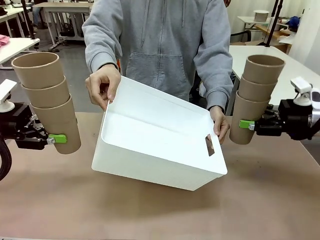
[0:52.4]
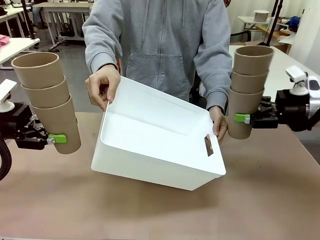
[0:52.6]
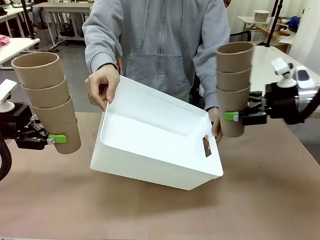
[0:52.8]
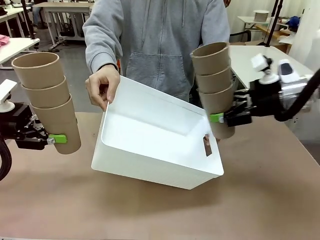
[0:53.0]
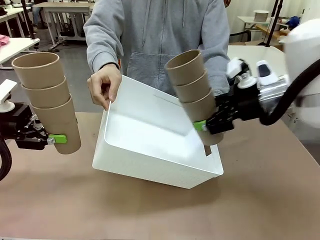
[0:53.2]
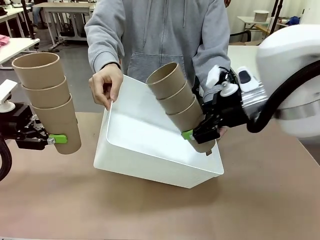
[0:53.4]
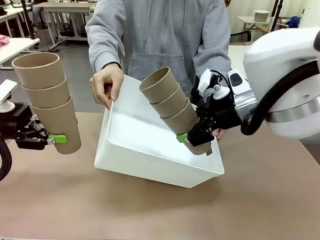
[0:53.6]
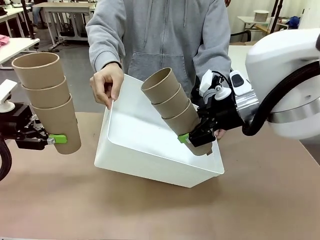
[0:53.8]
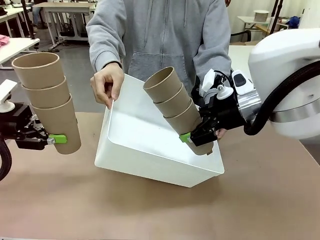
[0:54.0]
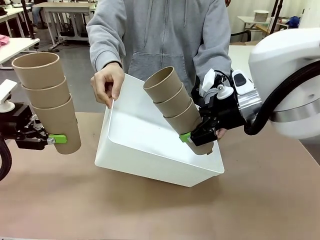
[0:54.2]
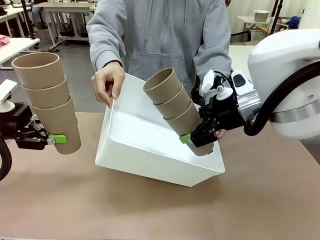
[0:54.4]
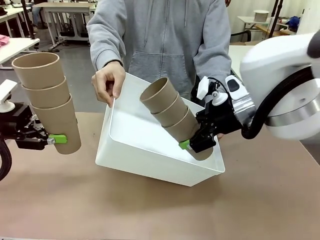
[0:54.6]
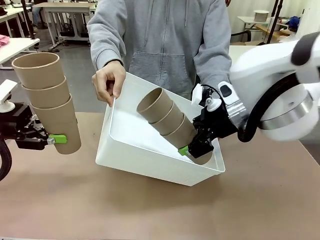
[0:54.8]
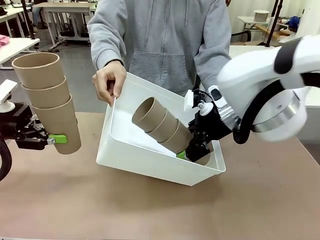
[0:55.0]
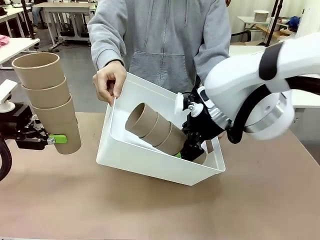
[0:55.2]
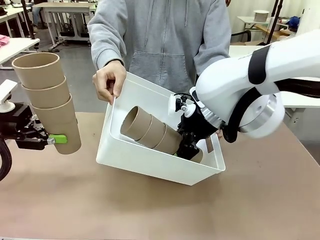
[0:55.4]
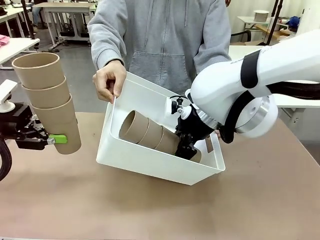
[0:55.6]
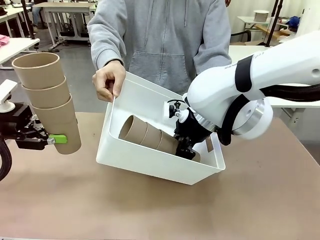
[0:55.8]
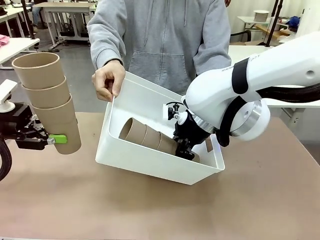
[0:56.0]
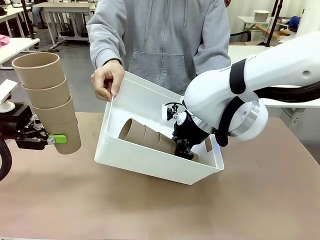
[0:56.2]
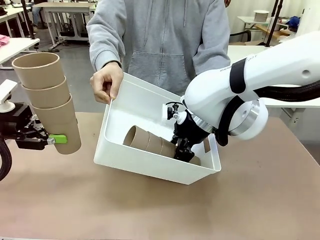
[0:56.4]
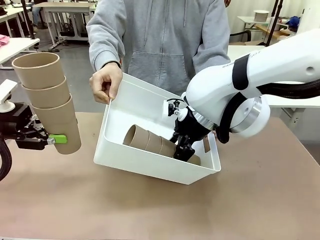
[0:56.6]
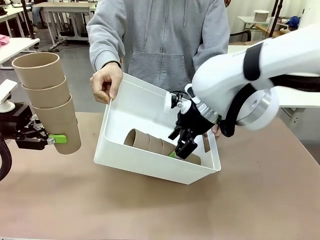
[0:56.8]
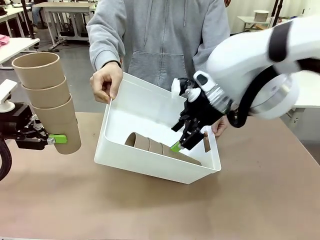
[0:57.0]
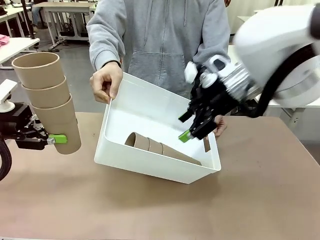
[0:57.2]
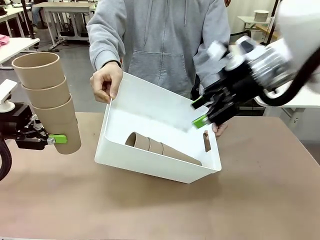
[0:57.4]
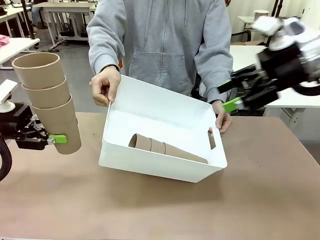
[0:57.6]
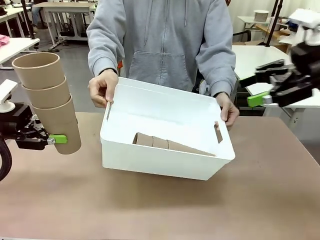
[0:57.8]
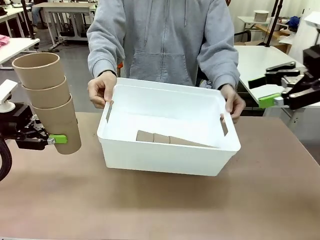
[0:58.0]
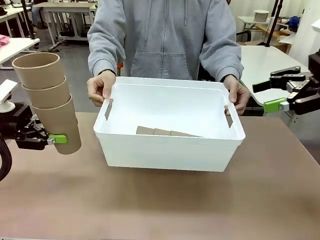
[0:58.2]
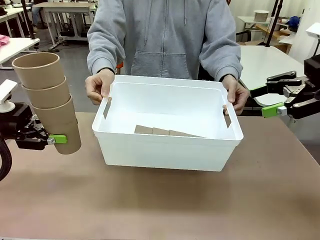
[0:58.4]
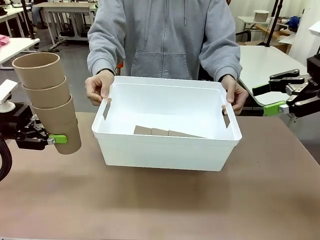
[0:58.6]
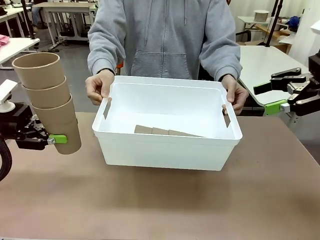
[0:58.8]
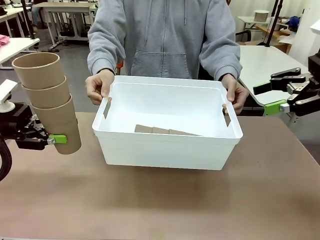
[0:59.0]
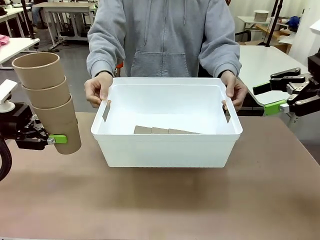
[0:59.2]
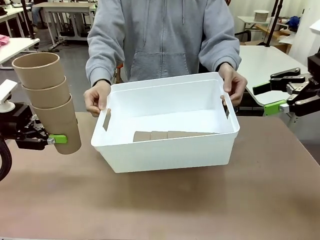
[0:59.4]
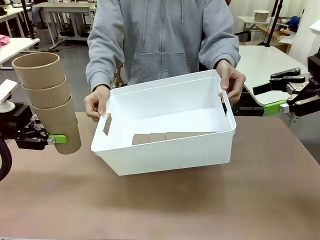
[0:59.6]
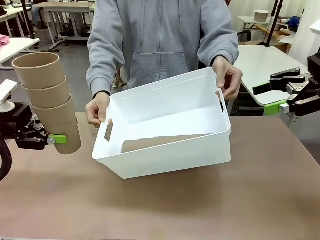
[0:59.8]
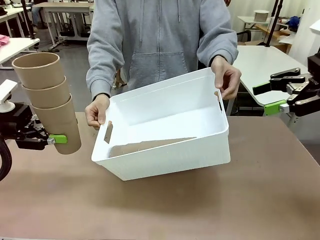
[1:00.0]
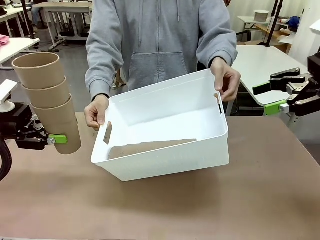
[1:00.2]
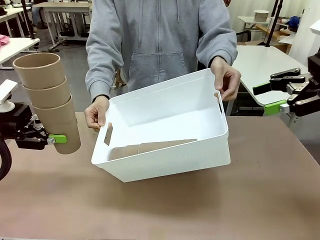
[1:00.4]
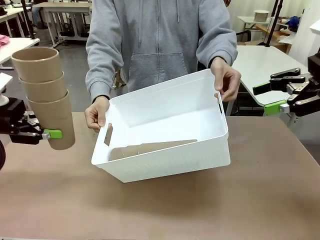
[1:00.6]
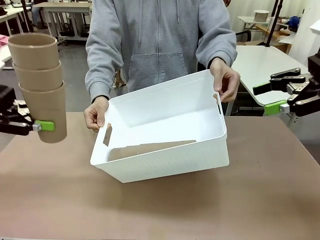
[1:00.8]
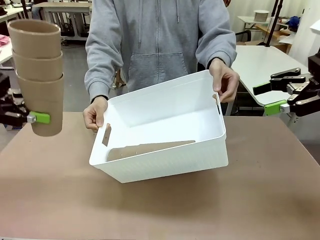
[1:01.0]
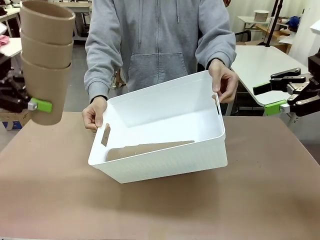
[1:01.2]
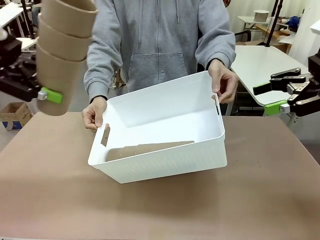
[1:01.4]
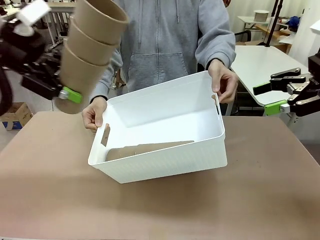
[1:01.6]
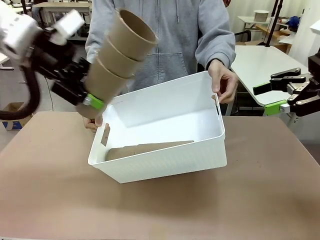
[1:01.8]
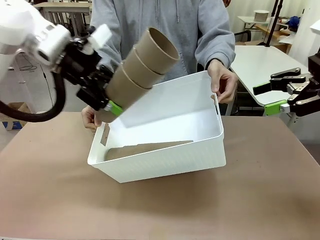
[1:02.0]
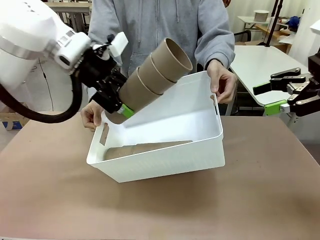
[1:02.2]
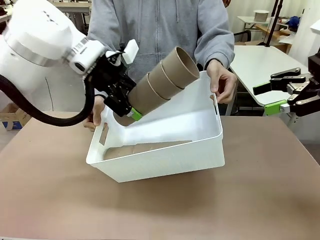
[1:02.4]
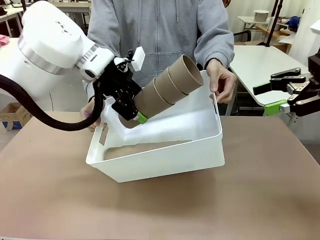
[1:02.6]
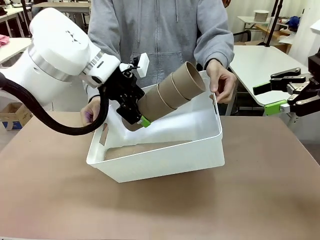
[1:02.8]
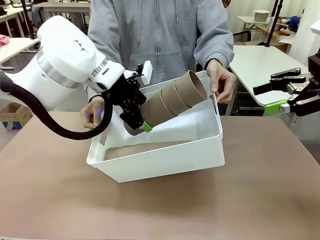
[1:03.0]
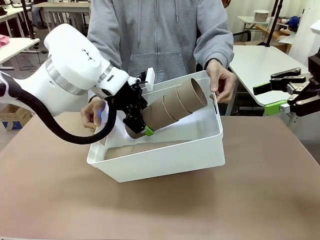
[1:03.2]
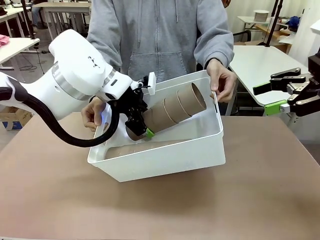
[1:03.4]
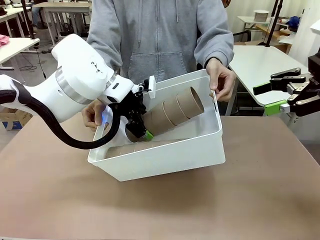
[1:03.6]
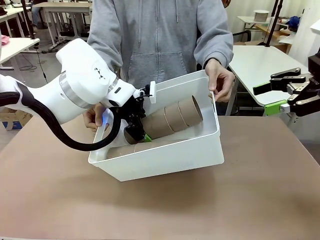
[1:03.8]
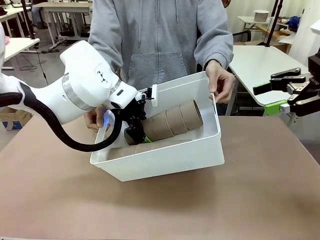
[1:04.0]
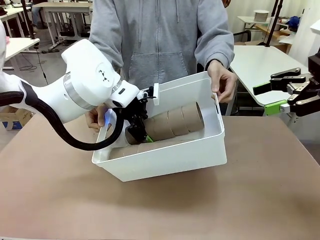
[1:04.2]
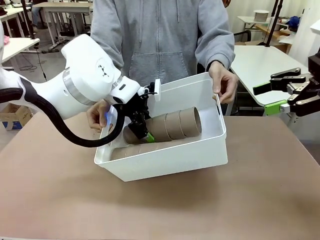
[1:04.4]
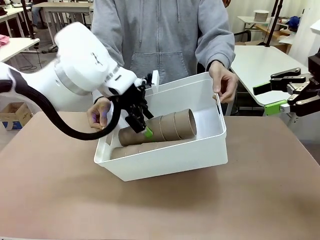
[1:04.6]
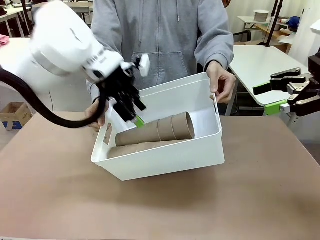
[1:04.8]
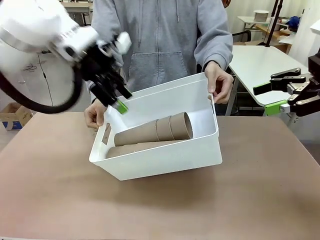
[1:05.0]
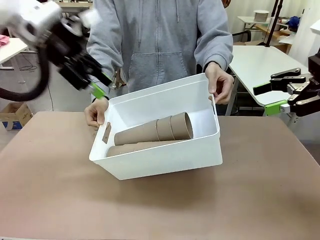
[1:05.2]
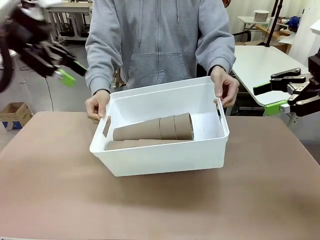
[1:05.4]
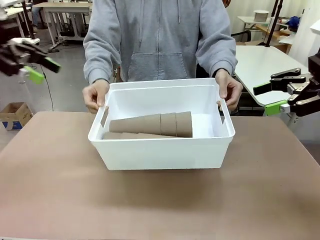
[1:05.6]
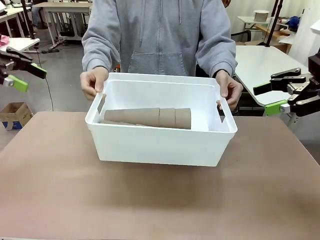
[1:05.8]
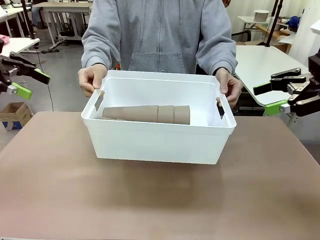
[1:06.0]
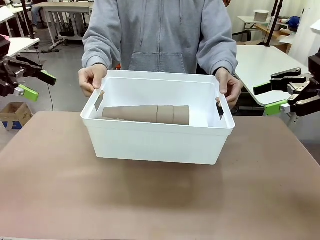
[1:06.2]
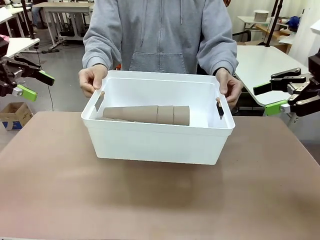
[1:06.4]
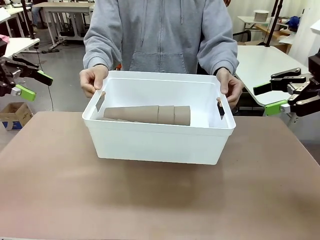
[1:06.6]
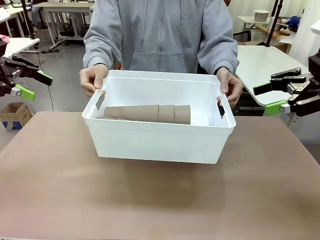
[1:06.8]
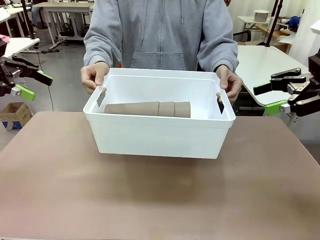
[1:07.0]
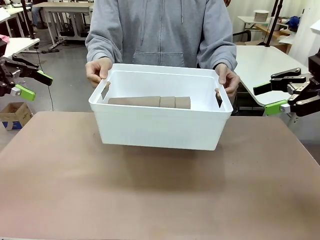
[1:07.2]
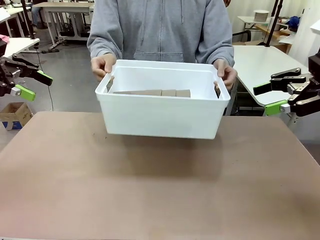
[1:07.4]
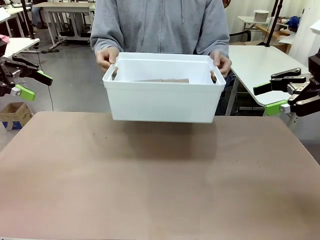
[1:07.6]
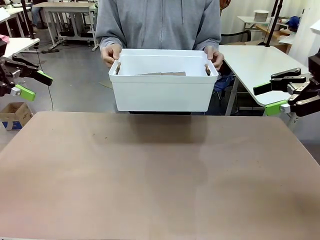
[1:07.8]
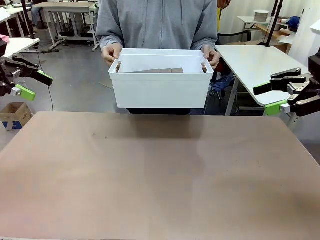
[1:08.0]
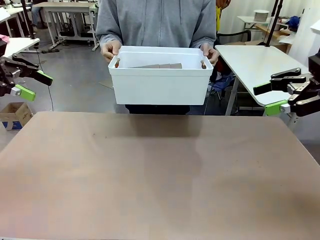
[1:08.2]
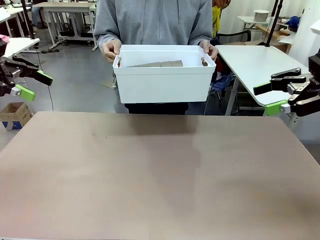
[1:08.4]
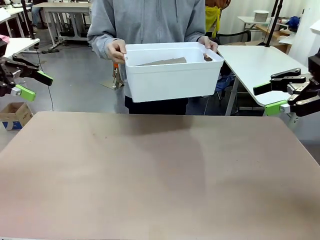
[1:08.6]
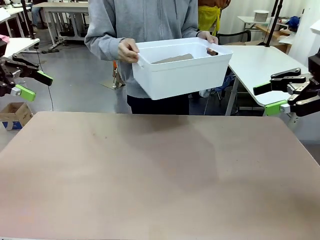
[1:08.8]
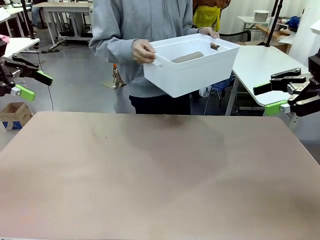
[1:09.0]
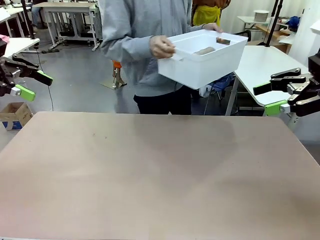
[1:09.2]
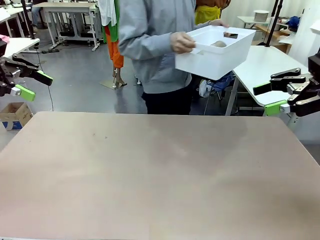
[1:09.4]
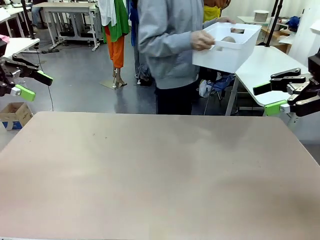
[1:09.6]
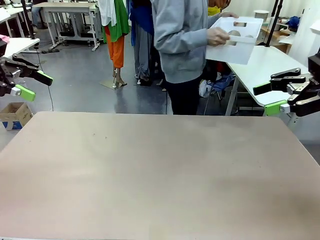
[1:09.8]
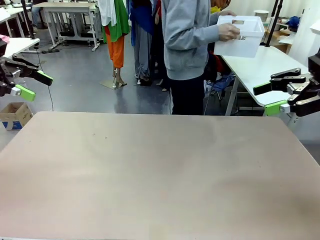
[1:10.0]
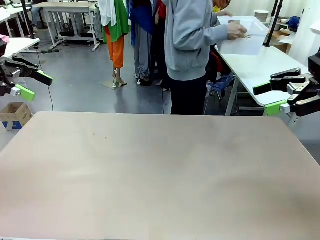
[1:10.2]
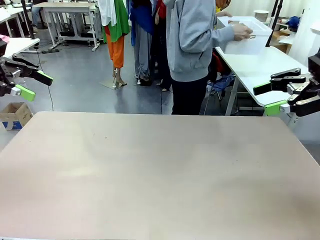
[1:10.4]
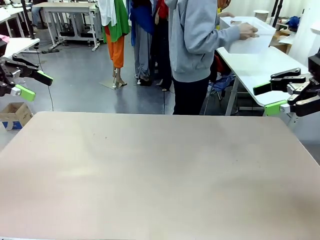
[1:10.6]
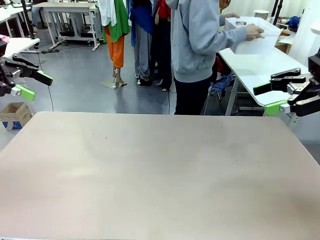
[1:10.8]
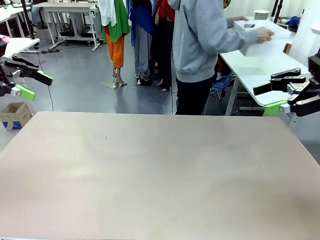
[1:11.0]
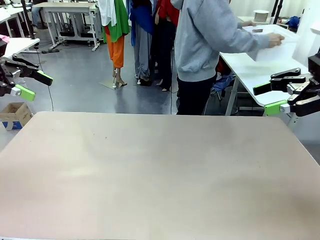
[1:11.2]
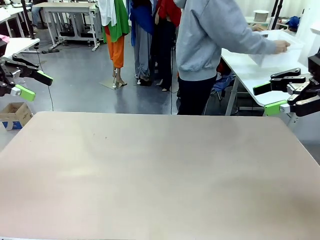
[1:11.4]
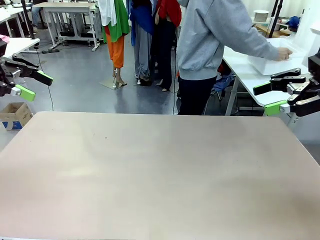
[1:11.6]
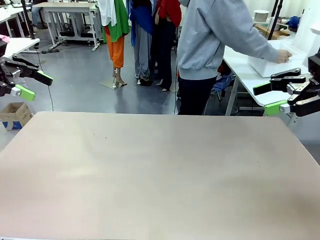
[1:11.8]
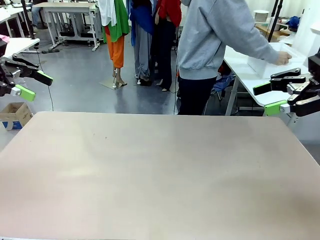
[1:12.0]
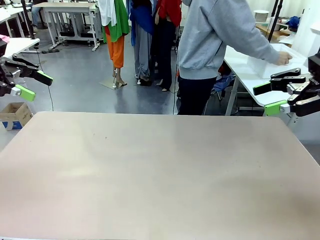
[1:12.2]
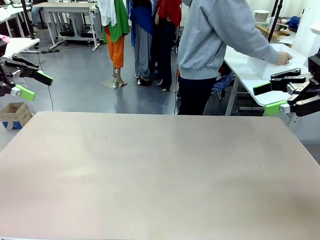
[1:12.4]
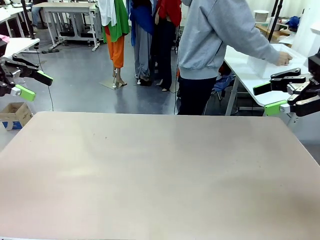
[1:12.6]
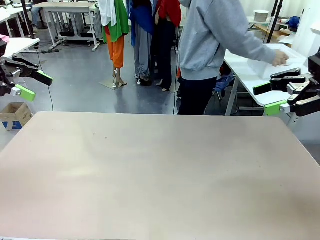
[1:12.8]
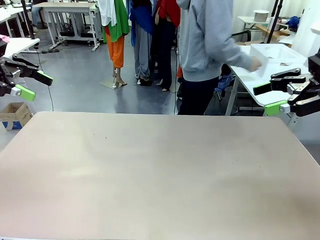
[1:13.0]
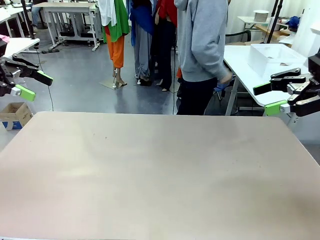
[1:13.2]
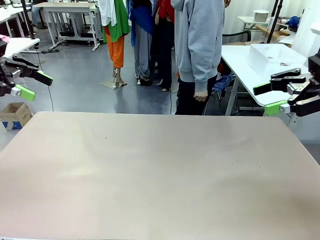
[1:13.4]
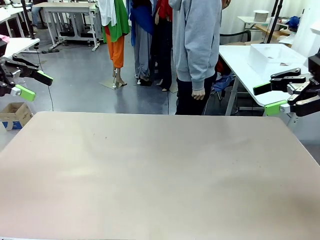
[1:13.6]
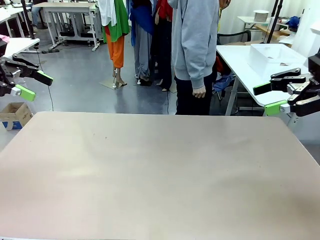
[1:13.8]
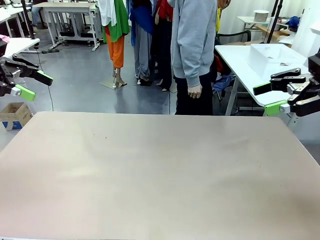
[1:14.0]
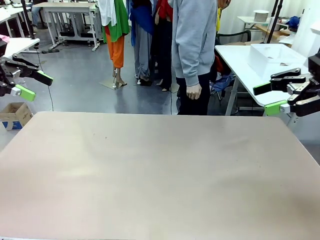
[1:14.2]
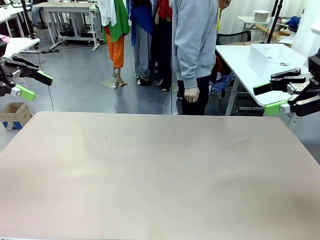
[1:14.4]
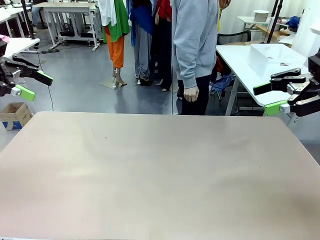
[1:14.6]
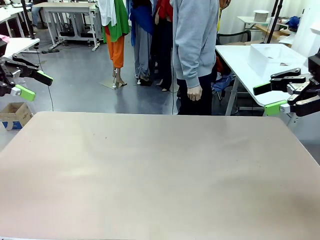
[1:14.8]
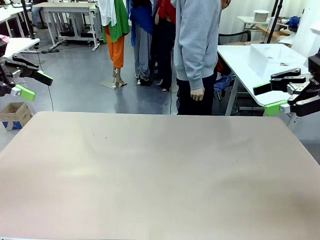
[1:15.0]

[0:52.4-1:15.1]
Task: Stack the cups and store them in the basket.
Robot: Place the stack of Reusable plastic cups into the Pantry Basket.
Person: Place the basket containing the cups in the middle of the Human Table.
